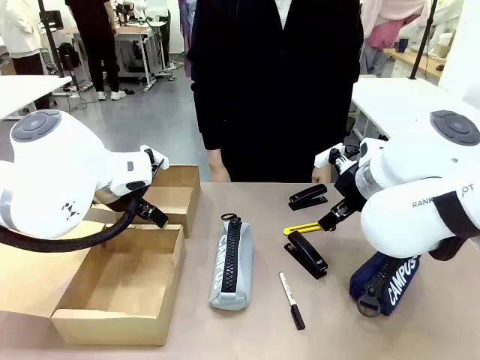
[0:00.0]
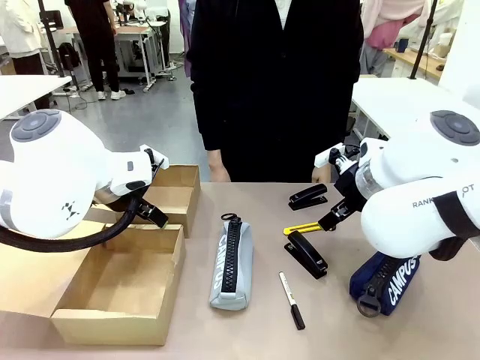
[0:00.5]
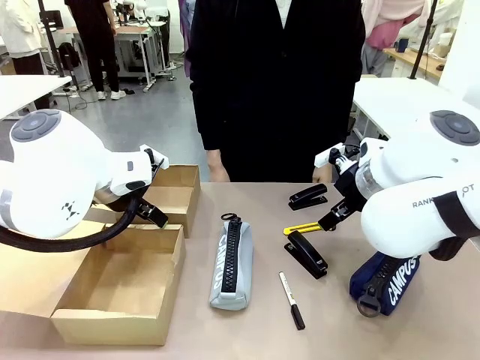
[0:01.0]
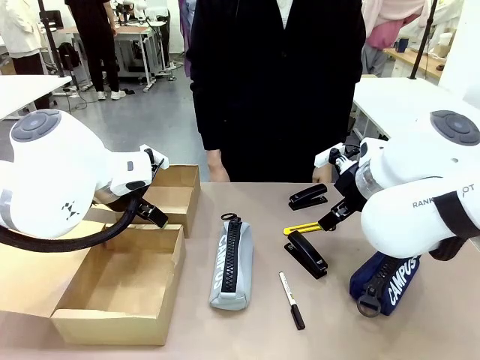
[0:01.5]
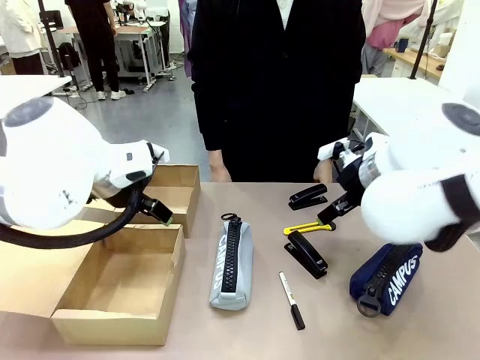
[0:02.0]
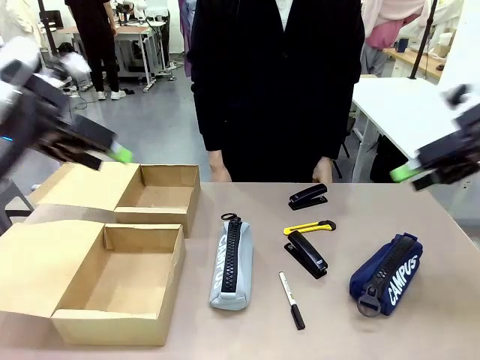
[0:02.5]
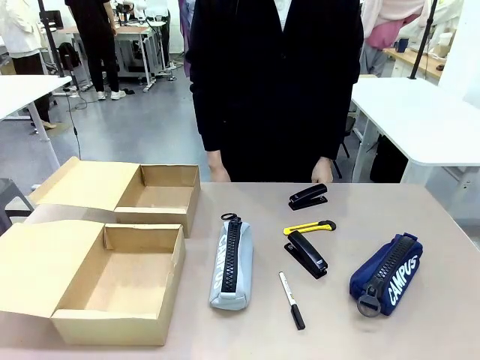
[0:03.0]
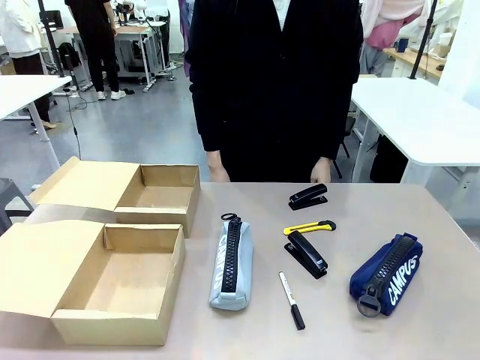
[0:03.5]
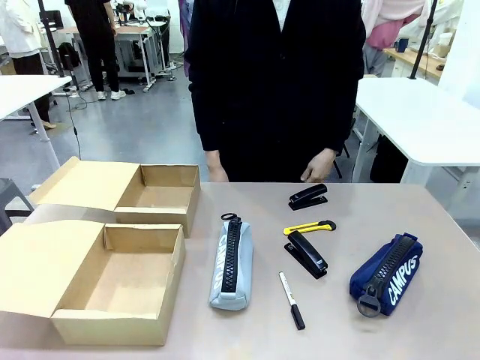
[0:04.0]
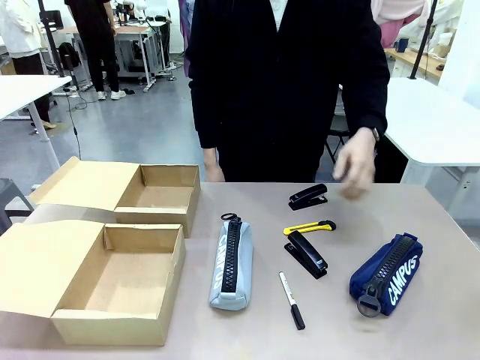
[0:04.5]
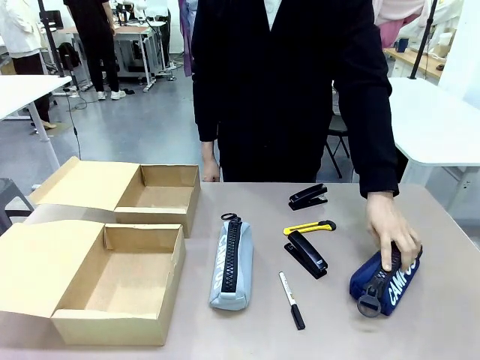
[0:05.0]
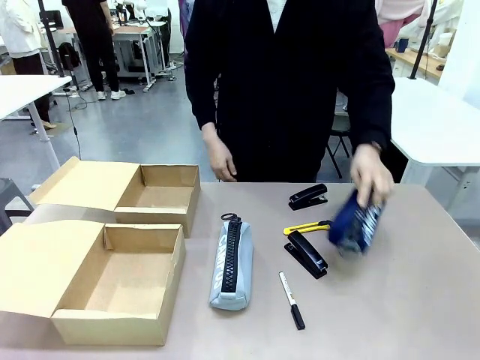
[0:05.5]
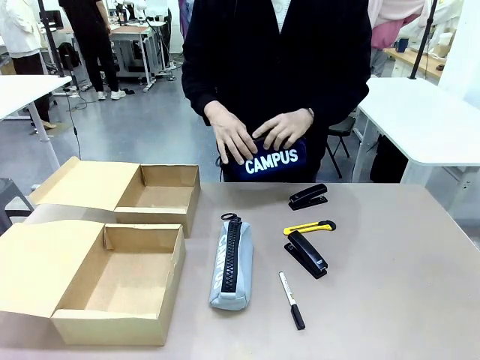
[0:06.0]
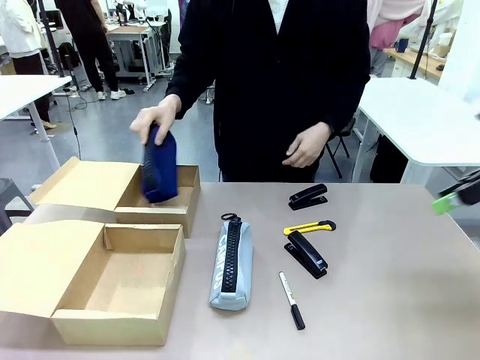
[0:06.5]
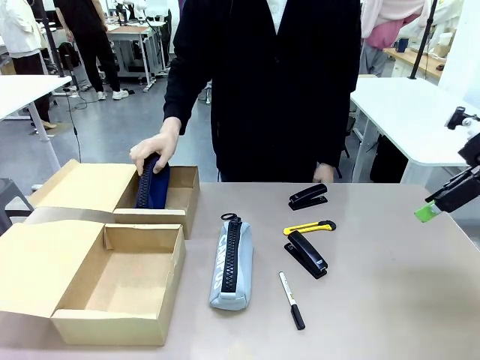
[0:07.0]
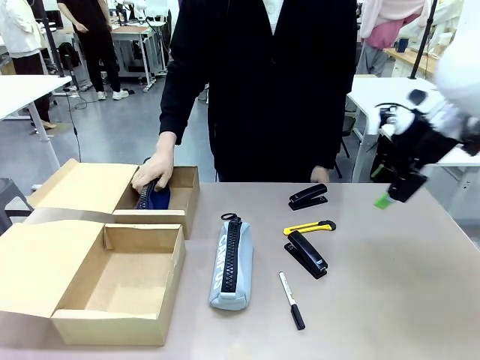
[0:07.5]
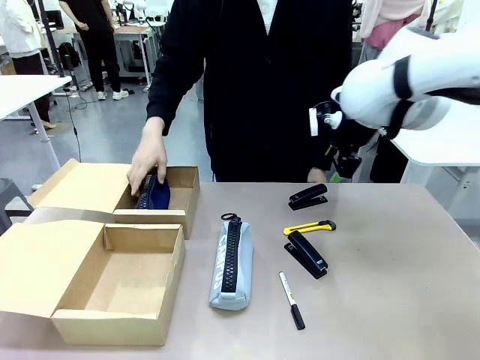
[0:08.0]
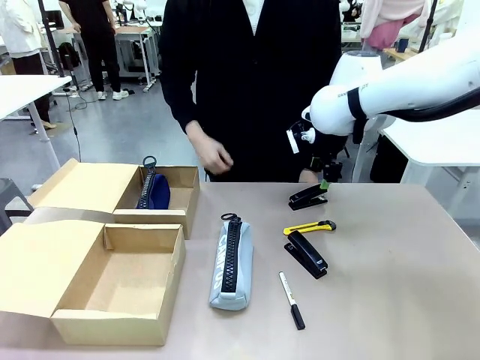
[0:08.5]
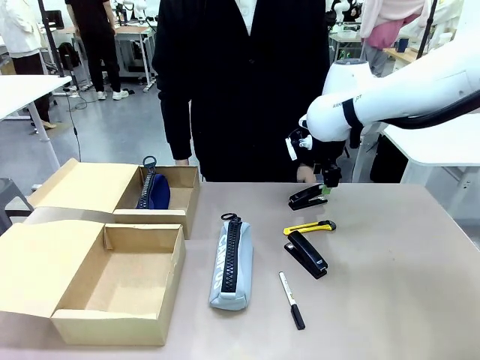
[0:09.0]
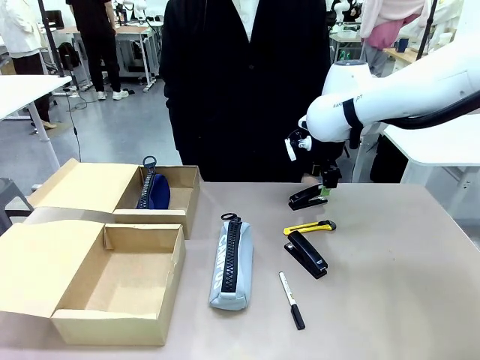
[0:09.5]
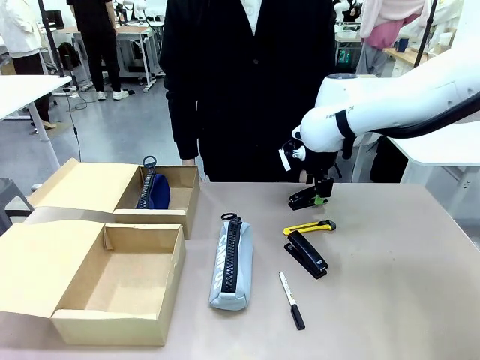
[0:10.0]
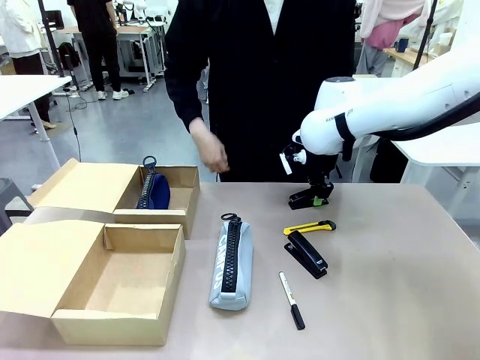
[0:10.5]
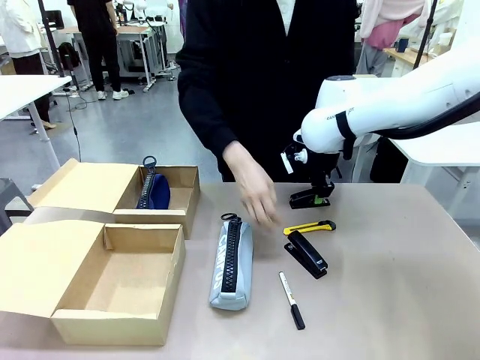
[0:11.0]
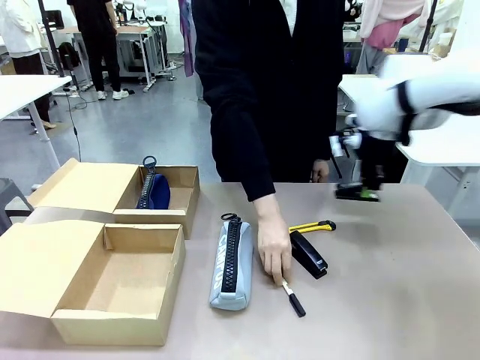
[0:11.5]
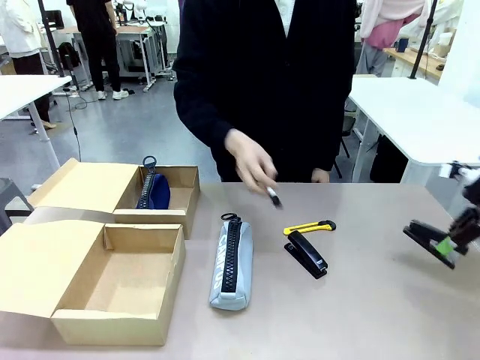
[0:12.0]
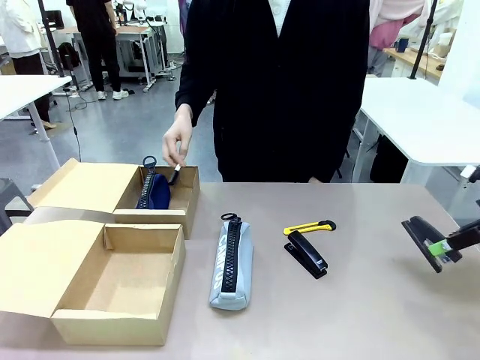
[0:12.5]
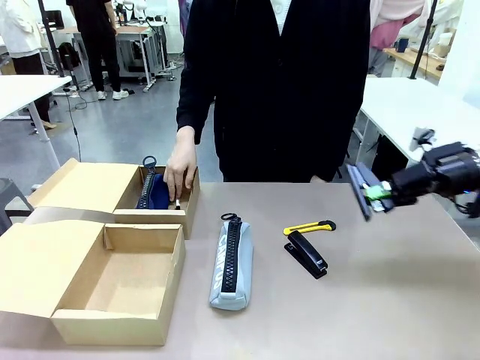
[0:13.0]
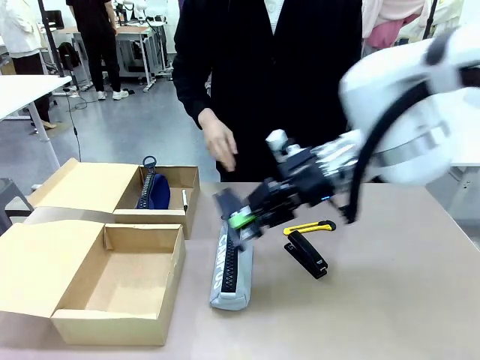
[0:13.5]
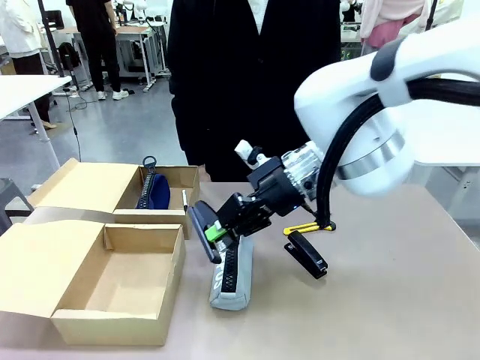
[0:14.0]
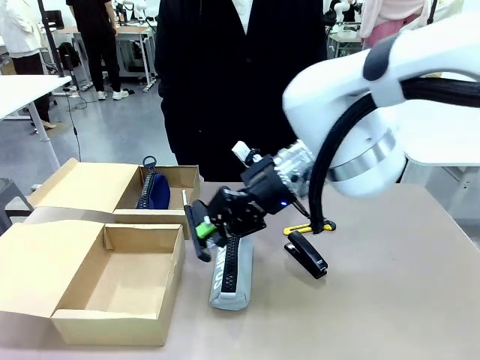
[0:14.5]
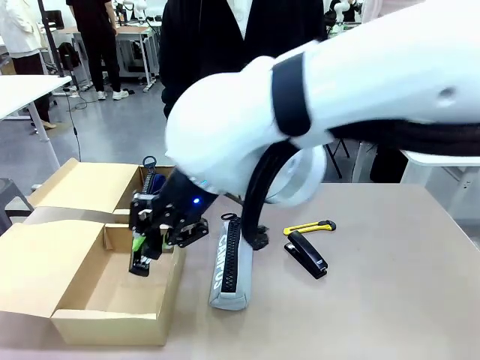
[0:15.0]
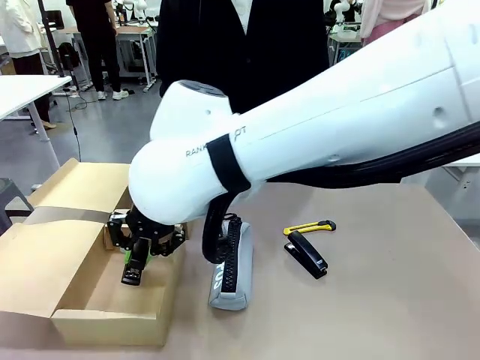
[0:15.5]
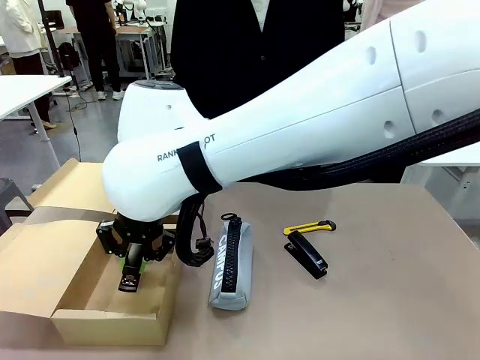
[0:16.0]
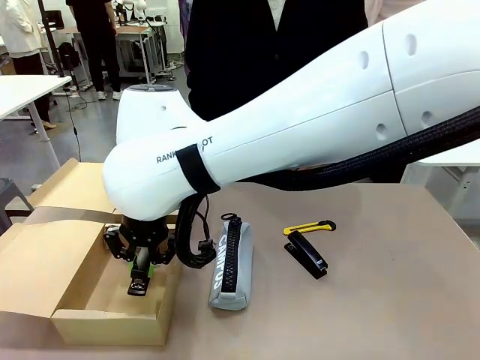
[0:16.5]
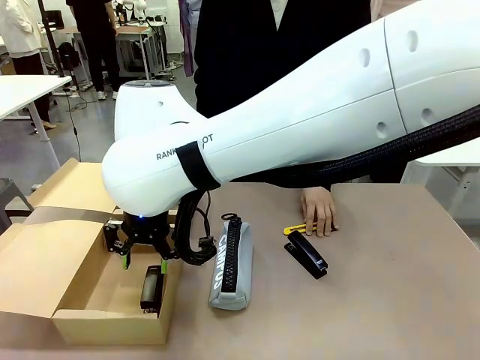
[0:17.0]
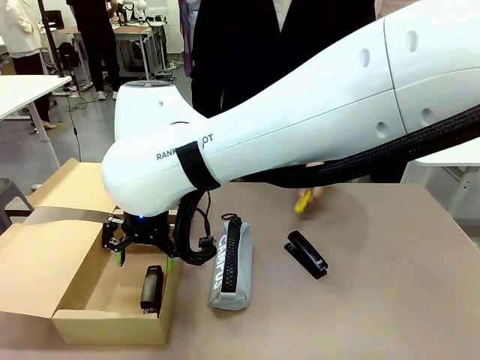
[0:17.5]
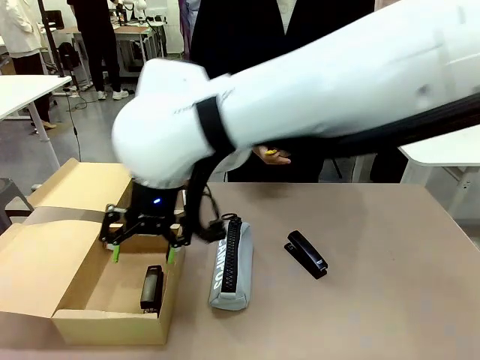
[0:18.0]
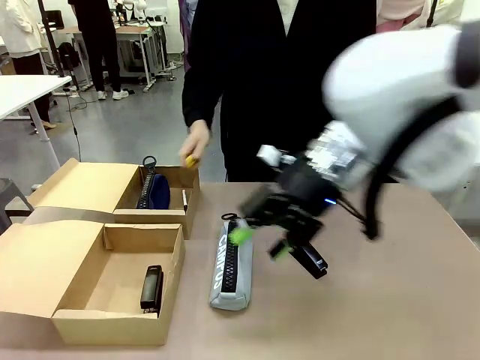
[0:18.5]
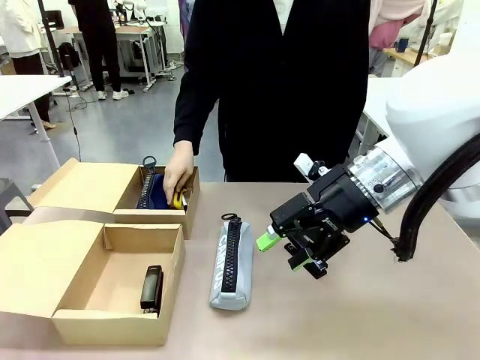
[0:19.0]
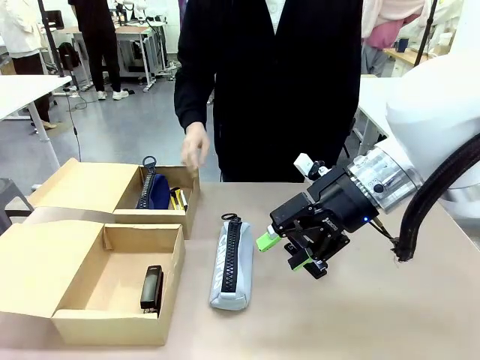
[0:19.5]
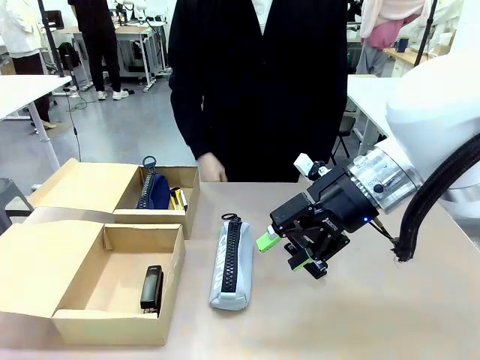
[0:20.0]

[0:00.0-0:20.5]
Task: Place items inside the box.
Robot: Pick up a Pencil pouch or Stapler and place it inside the Mailer Box closest to the robot.
Person: Pick up an object on the table and put it in the box.
